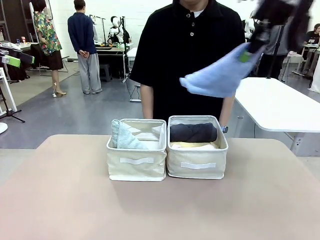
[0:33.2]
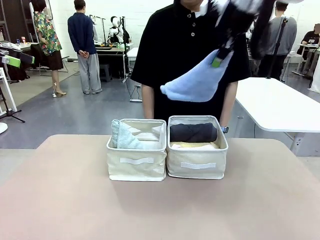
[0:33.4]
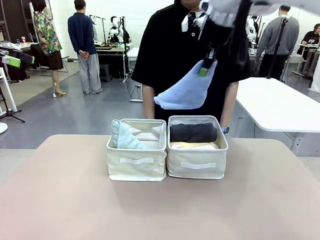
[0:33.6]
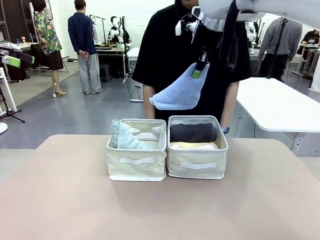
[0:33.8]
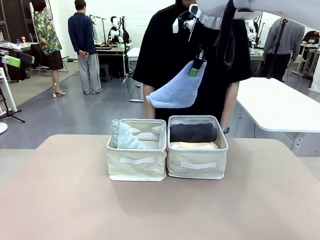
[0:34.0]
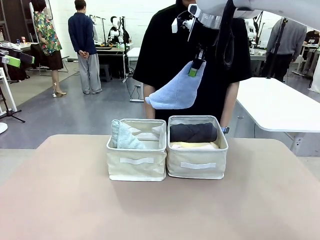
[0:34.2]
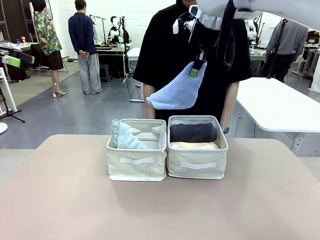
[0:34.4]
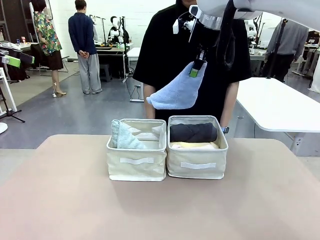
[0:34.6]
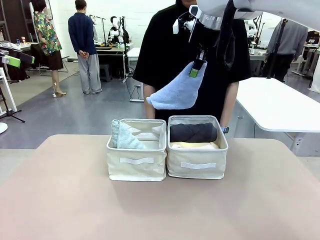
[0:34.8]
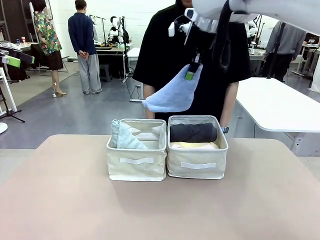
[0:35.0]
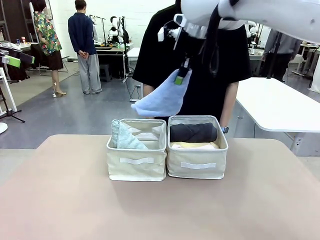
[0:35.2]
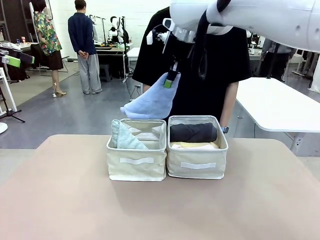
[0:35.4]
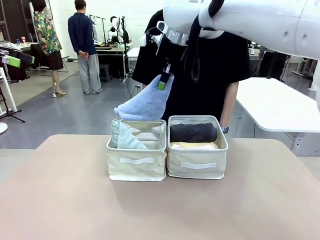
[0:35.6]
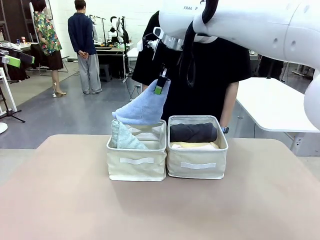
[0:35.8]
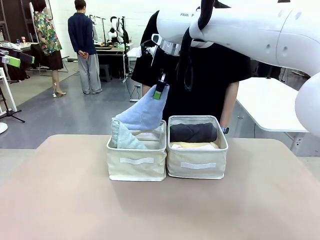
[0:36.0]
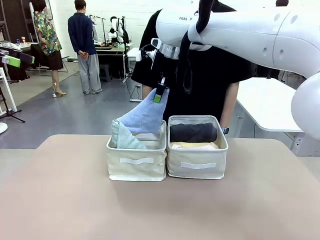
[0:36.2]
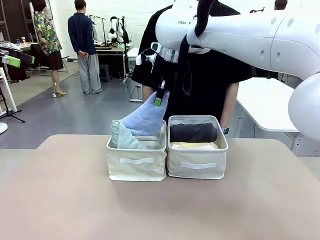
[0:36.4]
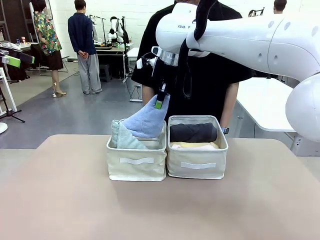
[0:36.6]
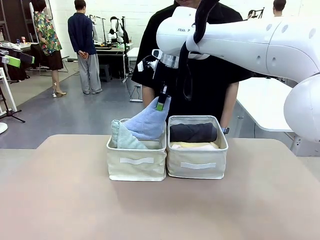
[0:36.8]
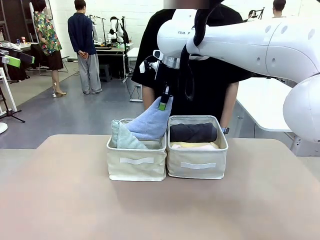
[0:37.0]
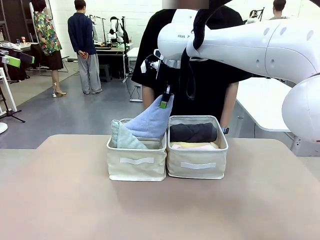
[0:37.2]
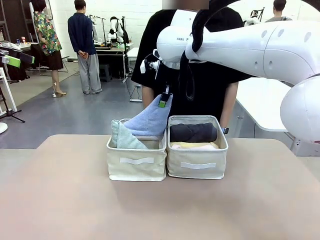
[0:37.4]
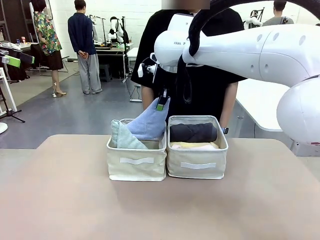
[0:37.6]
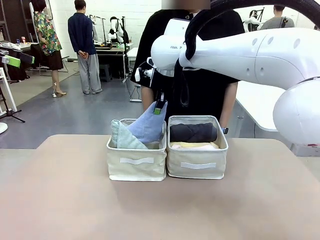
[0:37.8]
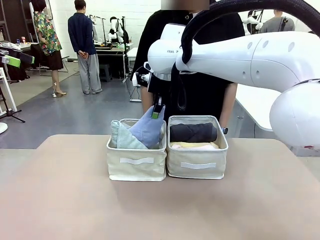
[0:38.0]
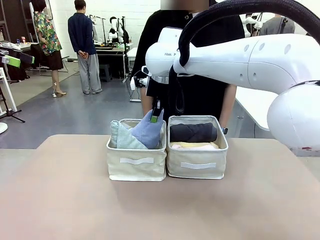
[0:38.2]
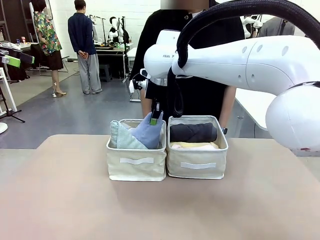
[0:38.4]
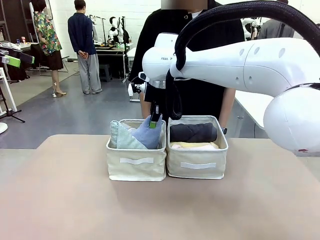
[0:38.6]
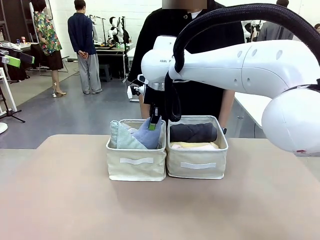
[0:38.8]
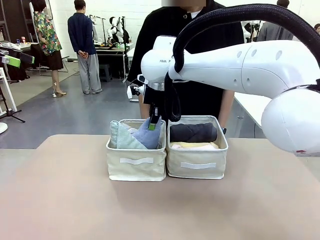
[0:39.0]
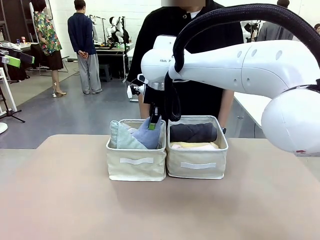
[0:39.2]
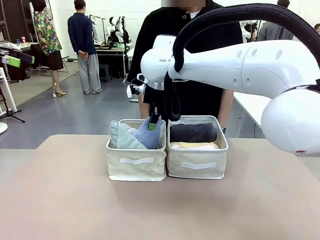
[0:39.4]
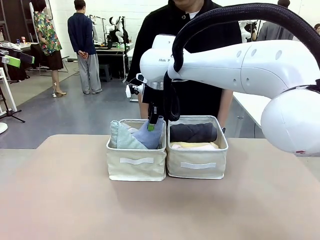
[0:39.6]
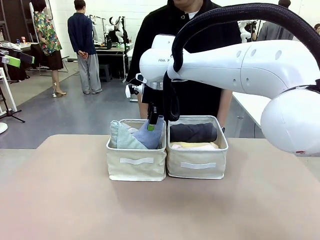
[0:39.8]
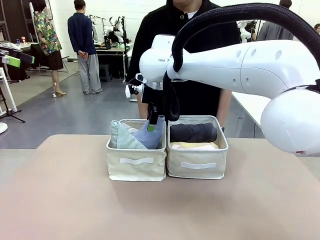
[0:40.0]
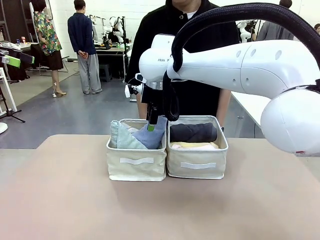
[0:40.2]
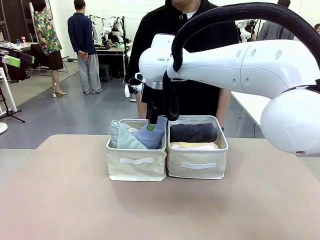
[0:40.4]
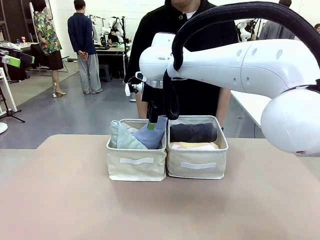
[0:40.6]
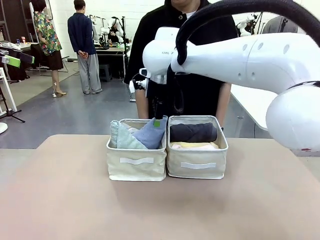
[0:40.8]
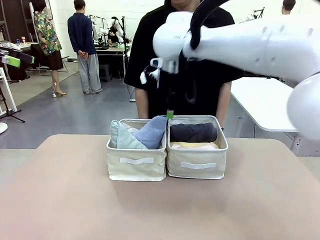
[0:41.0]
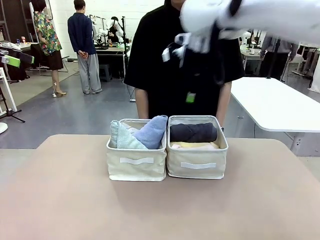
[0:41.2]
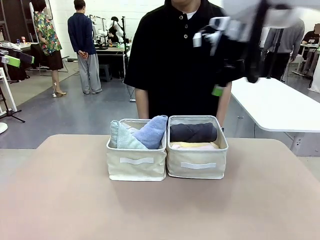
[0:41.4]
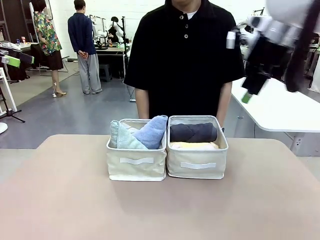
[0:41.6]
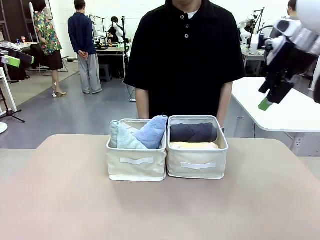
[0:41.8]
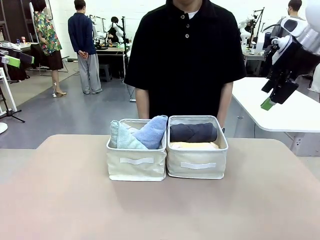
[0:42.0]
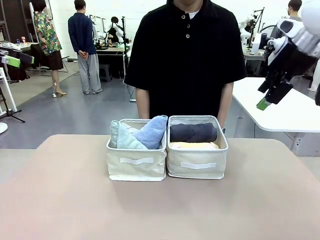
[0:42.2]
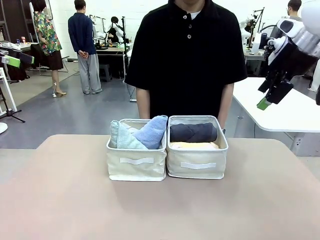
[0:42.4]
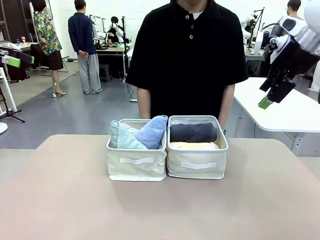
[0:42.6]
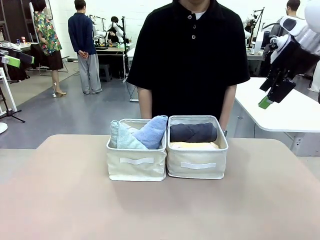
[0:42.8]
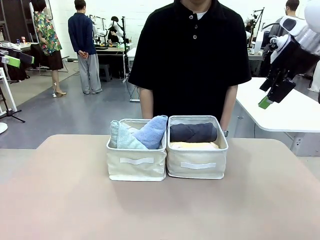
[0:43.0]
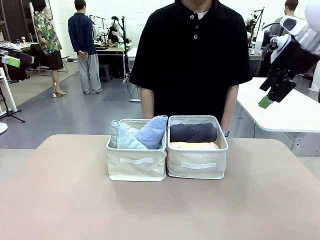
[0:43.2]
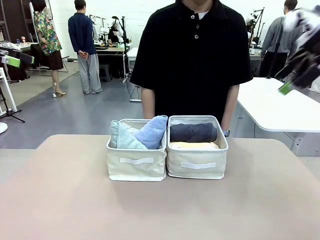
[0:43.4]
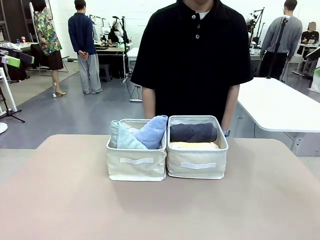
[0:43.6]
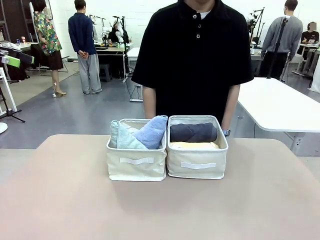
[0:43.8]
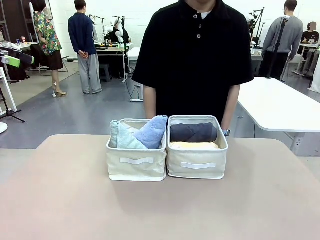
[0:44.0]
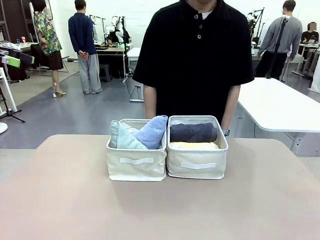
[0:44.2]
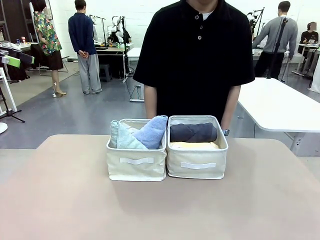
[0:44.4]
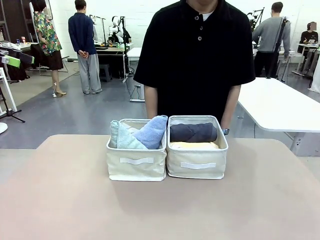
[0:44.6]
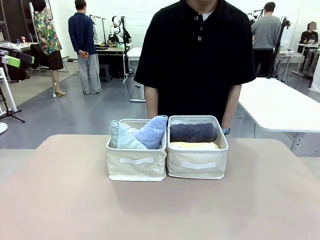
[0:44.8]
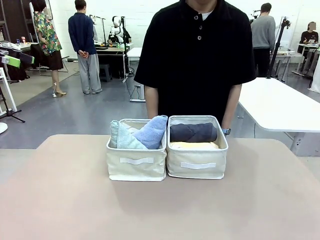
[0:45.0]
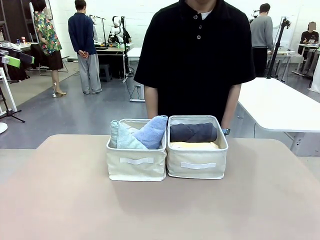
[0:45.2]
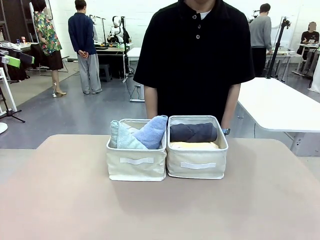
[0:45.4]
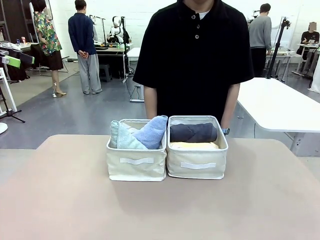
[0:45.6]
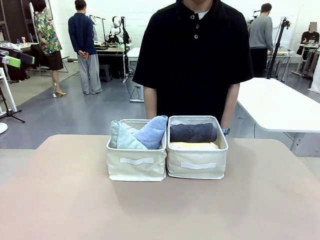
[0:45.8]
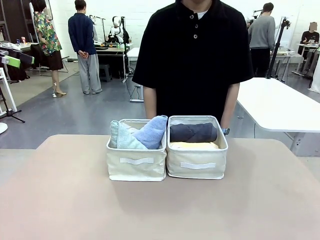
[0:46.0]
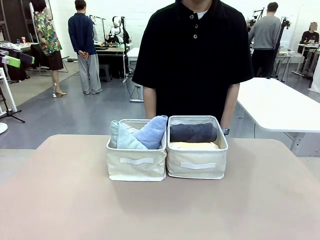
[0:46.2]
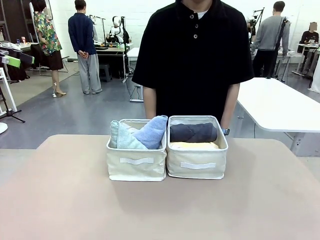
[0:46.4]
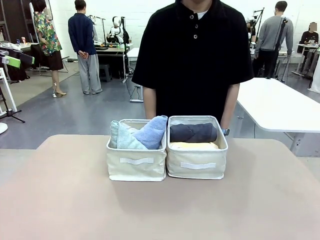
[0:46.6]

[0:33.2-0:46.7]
Task: Sort the towels based on their folding style.
Robot: Pick up another triangle-folded towel from the table and place it in the left Fabric basket.

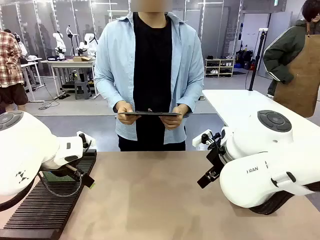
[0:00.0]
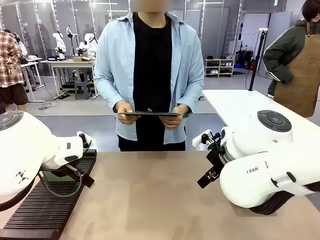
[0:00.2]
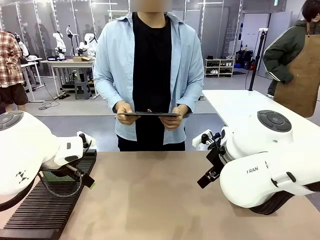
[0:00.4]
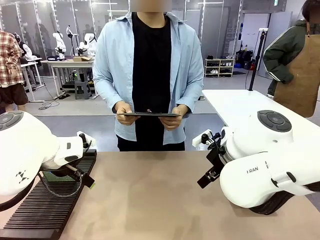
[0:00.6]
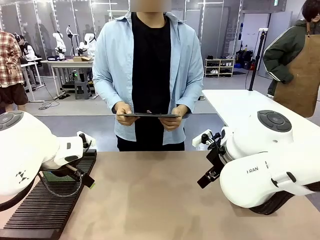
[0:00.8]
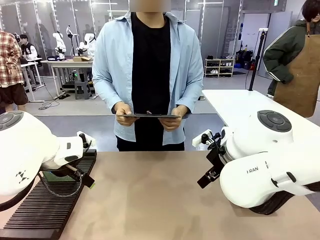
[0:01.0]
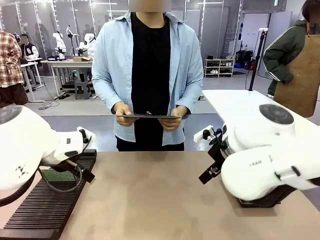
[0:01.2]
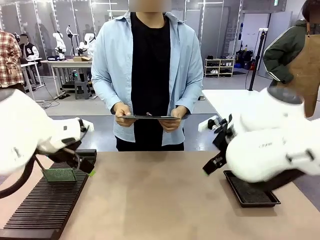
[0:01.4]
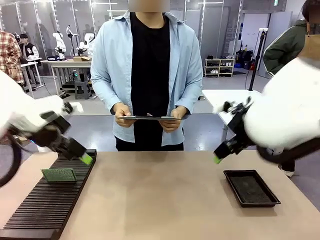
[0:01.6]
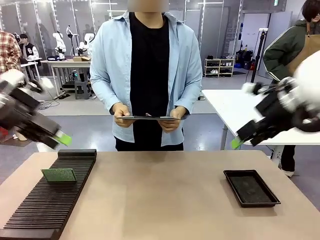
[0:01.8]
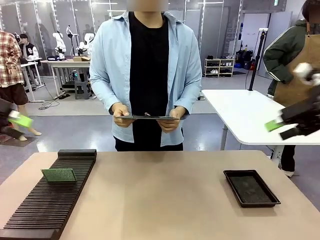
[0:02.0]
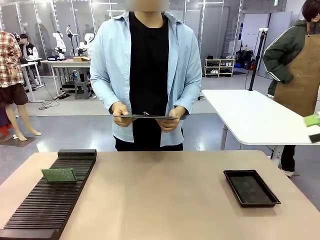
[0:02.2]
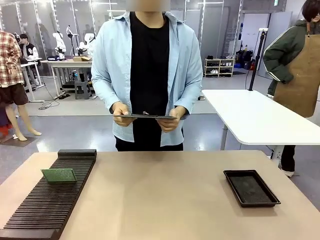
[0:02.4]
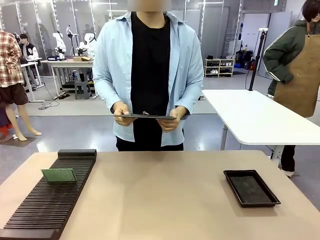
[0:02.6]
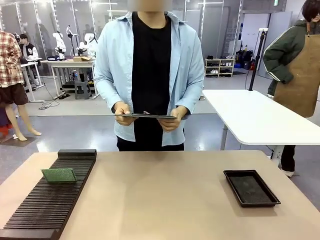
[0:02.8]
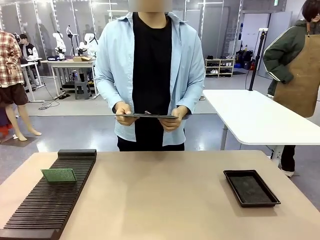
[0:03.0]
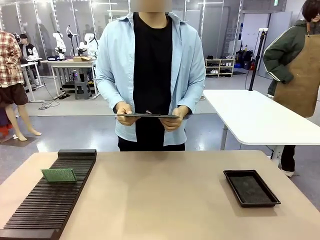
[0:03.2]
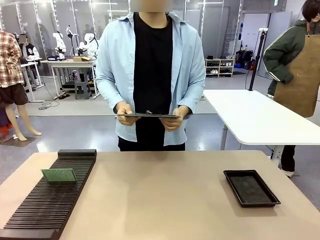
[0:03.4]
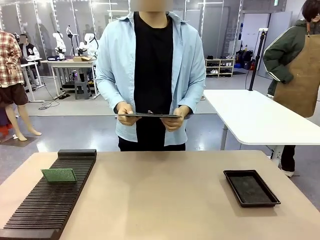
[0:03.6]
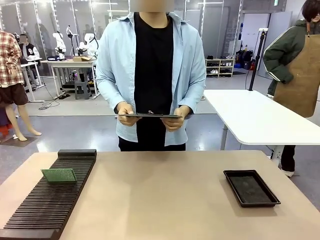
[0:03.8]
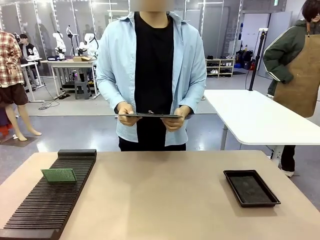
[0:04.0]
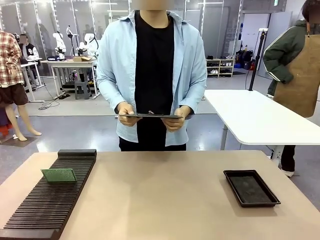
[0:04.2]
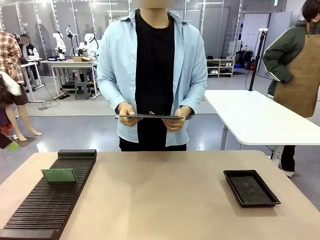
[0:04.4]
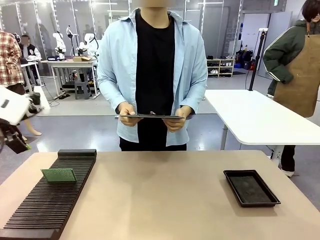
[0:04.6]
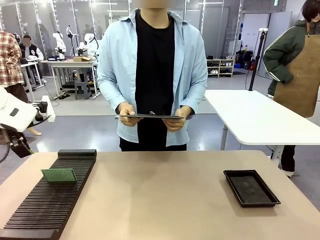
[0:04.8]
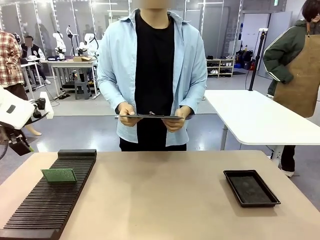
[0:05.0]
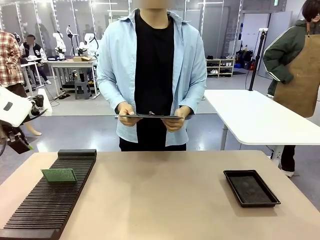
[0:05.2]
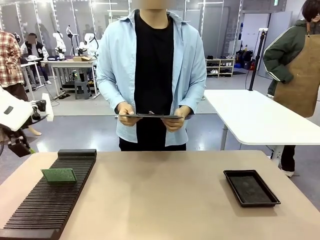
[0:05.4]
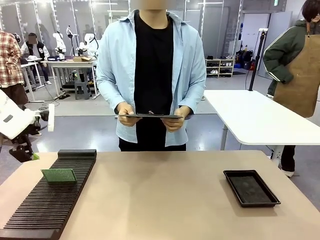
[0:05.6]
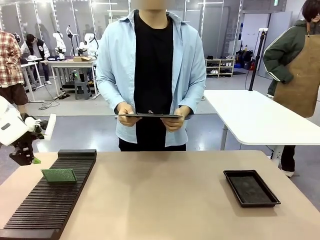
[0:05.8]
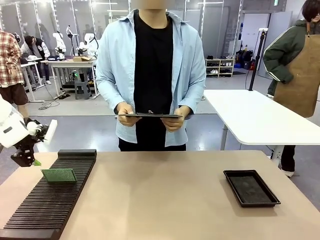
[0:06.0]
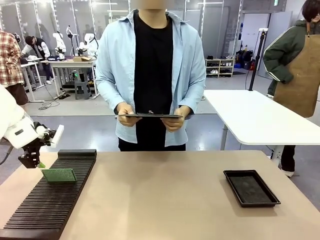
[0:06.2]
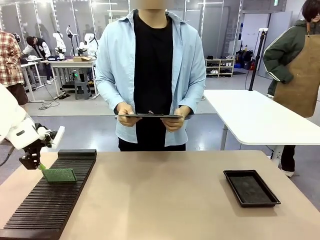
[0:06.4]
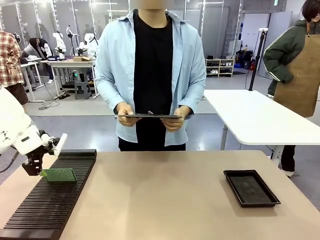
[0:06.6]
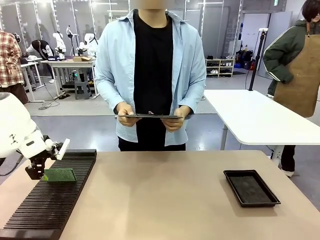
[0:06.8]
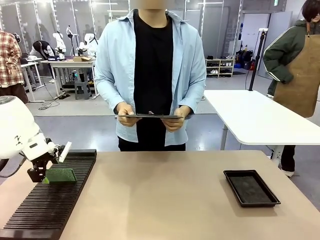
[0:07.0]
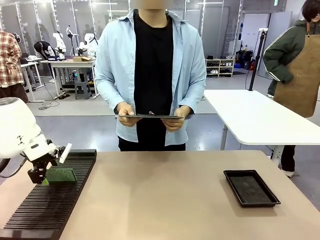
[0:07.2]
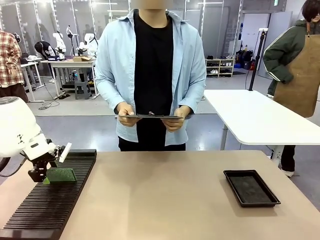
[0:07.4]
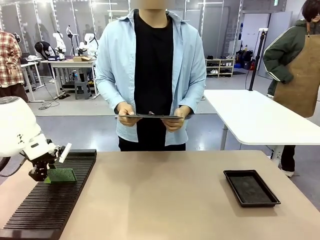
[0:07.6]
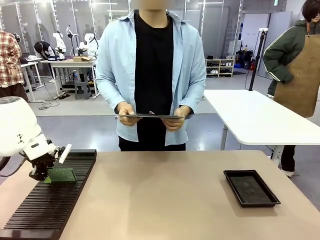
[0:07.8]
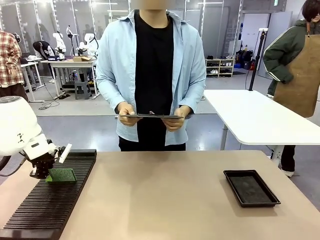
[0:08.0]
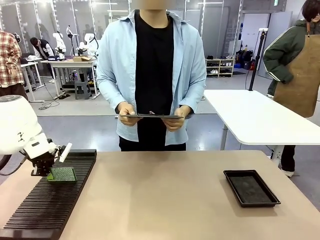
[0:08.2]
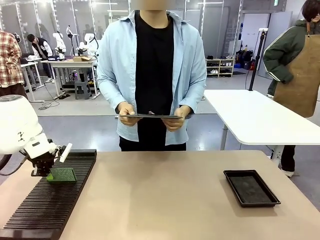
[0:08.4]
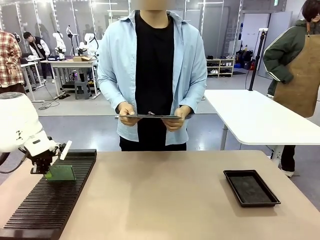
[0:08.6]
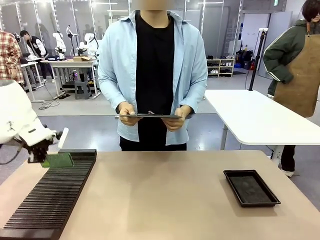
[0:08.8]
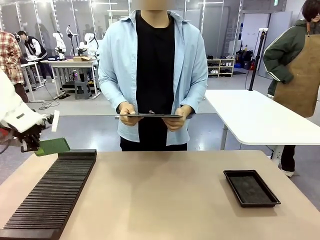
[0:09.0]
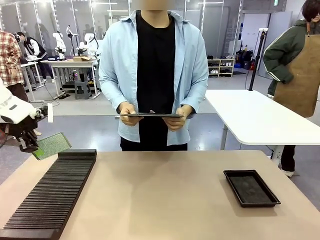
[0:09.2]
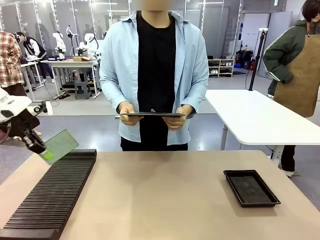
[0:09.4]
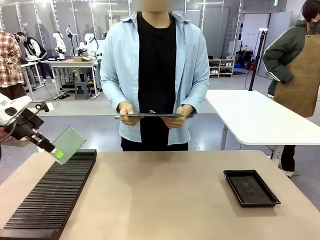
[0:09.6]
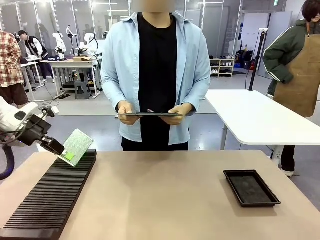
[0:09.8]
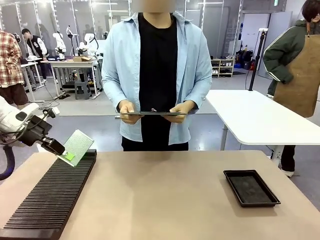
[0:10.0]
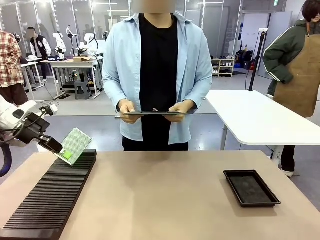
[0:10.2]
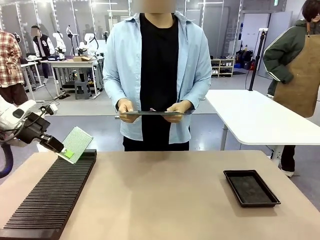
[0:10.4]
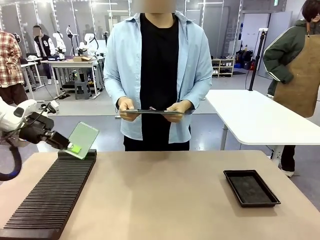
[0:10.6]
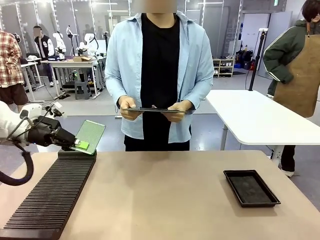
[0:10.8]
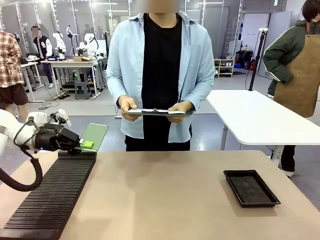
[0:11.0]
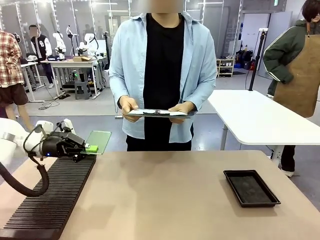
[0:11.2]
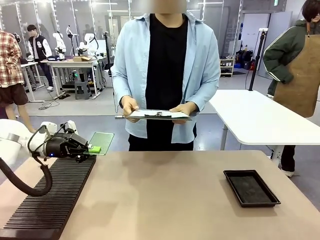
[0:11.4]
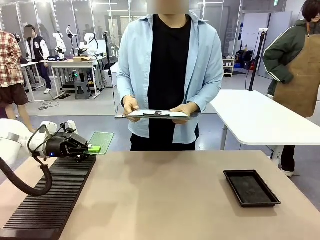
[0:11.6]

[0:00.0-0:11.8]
Task: Inspect the PCB.
Robot: Pick up the Blank PCB and present it to the human.
Person: Pick up the PCB presented by the robot.
